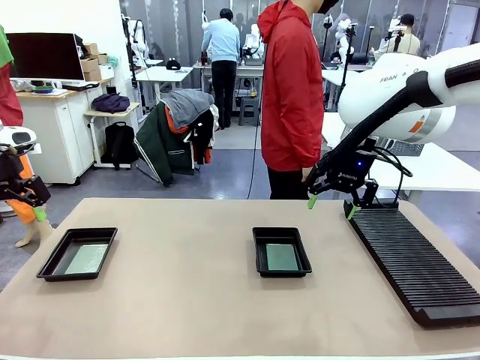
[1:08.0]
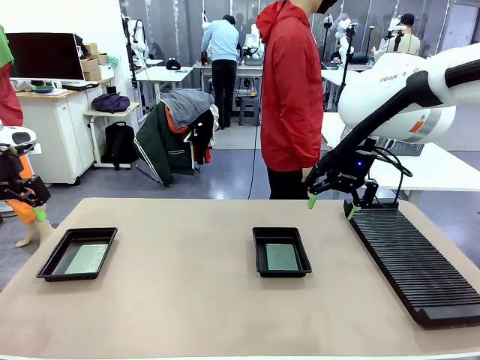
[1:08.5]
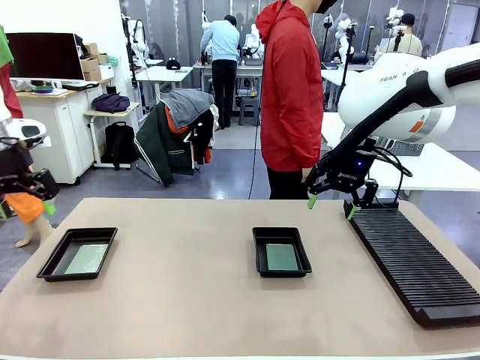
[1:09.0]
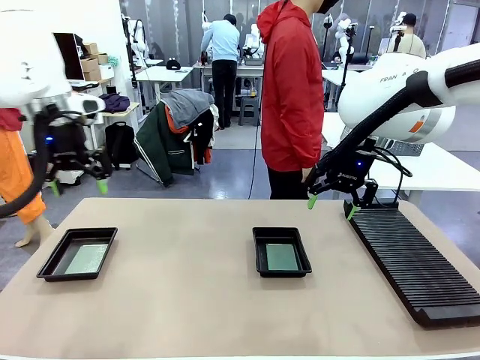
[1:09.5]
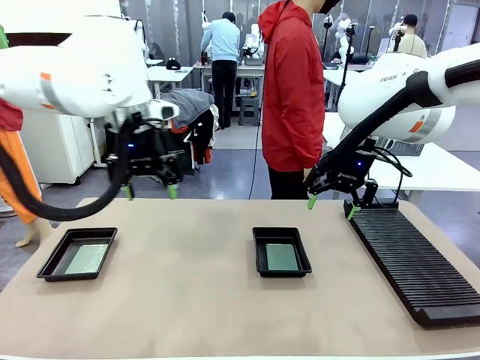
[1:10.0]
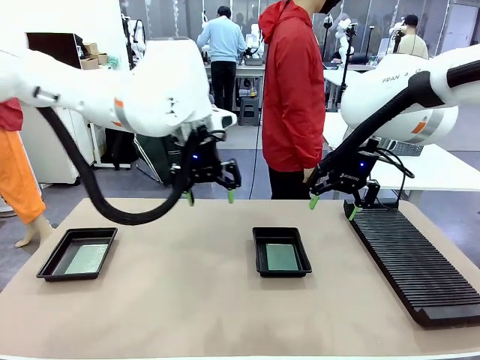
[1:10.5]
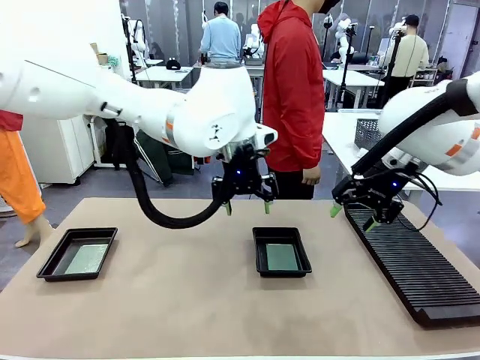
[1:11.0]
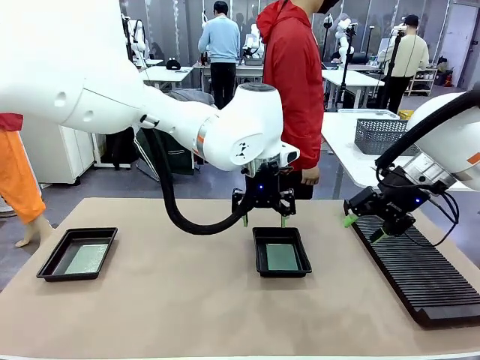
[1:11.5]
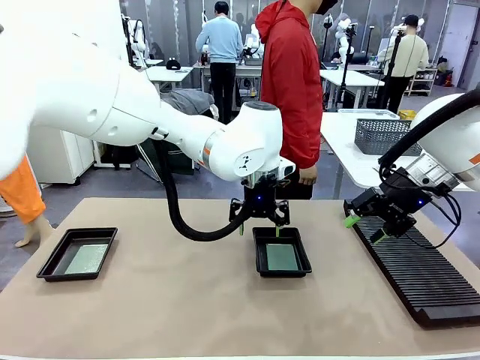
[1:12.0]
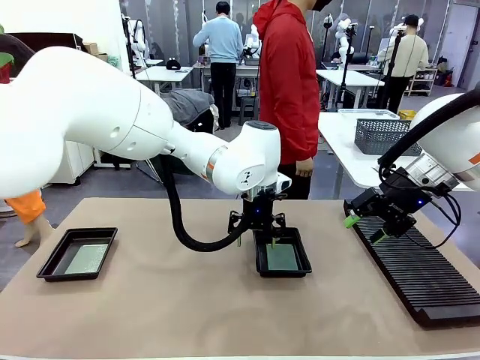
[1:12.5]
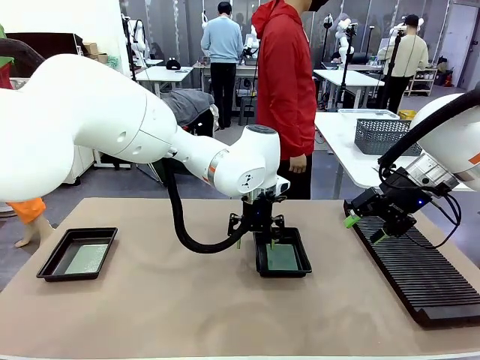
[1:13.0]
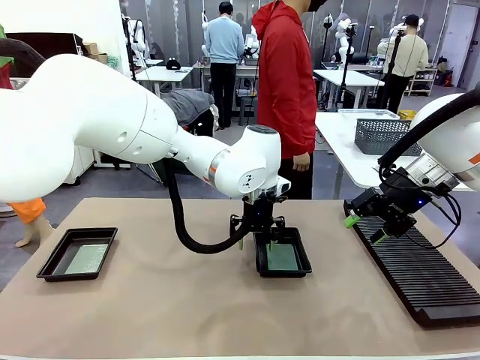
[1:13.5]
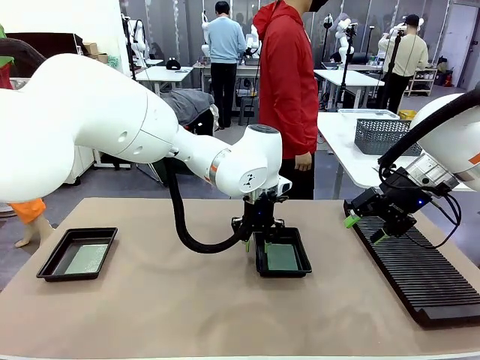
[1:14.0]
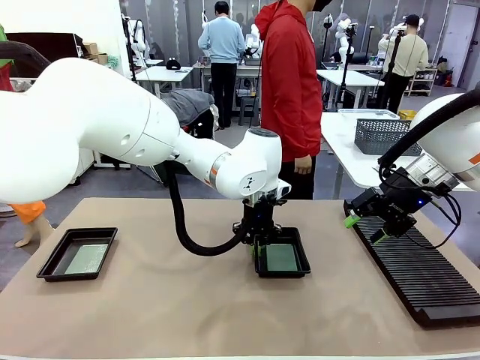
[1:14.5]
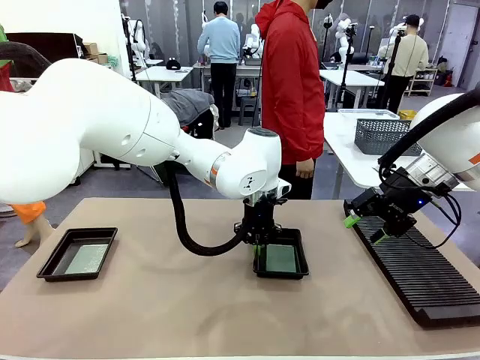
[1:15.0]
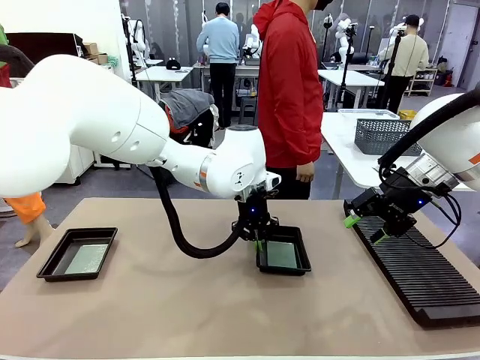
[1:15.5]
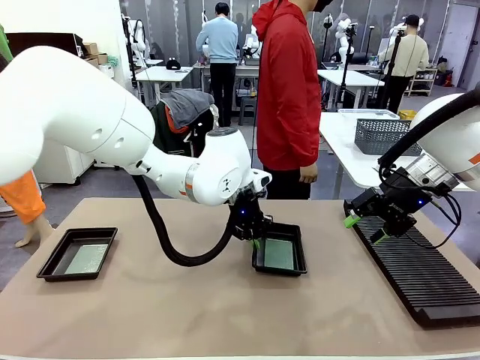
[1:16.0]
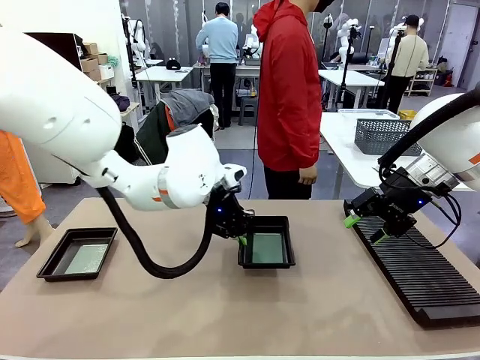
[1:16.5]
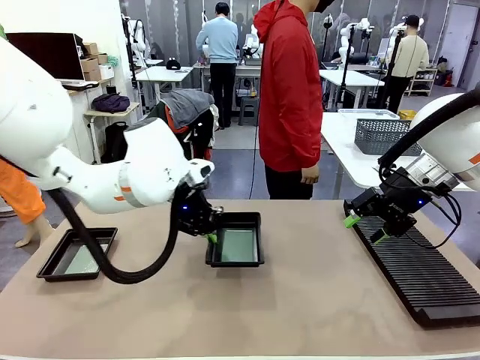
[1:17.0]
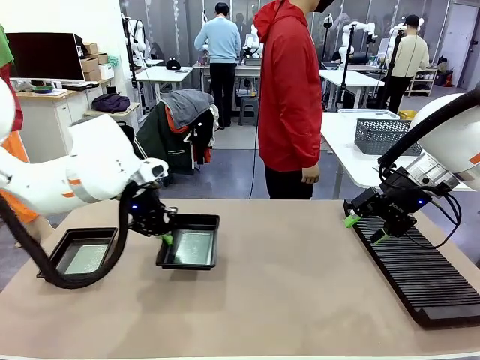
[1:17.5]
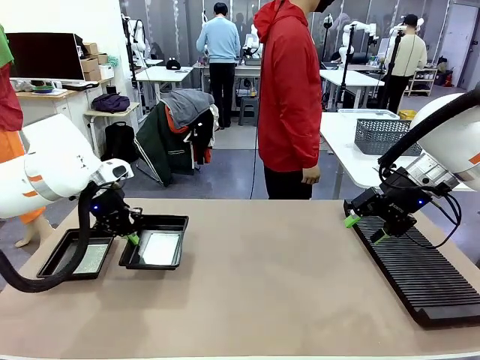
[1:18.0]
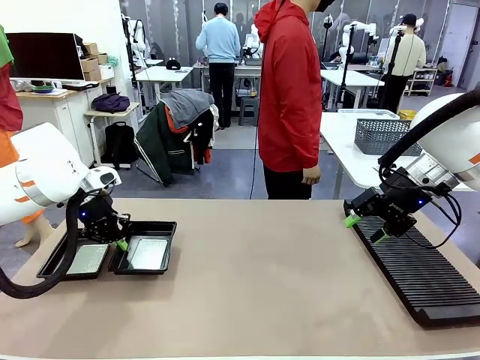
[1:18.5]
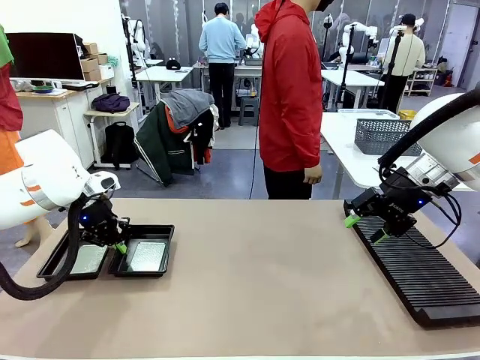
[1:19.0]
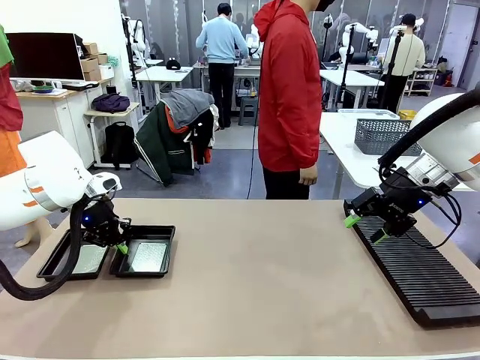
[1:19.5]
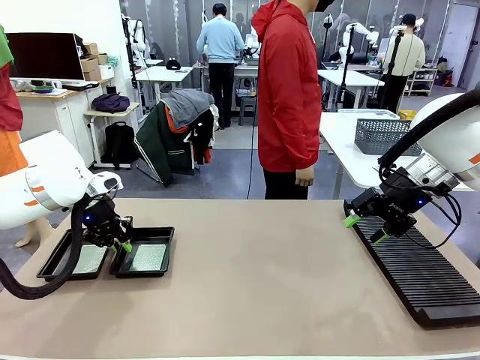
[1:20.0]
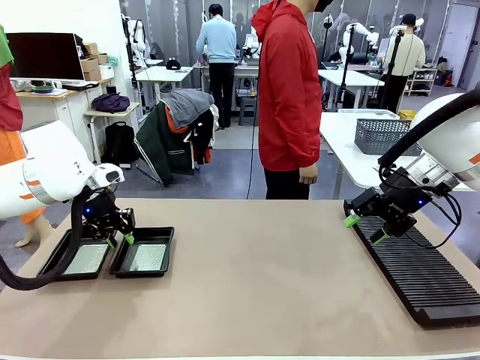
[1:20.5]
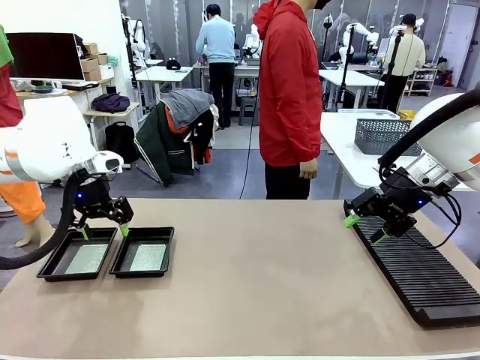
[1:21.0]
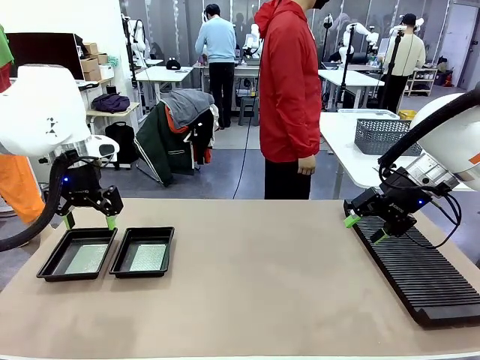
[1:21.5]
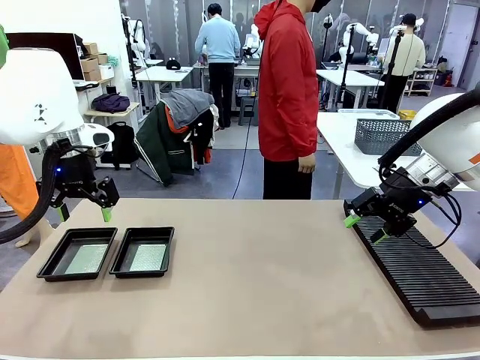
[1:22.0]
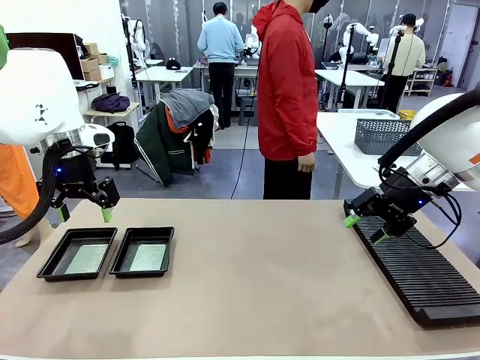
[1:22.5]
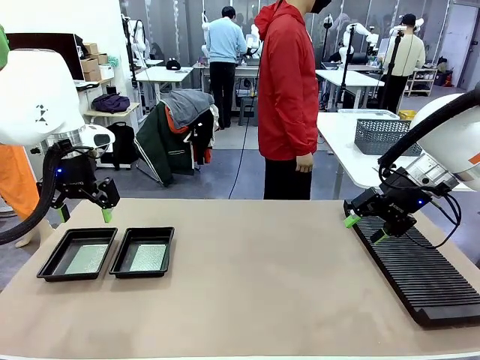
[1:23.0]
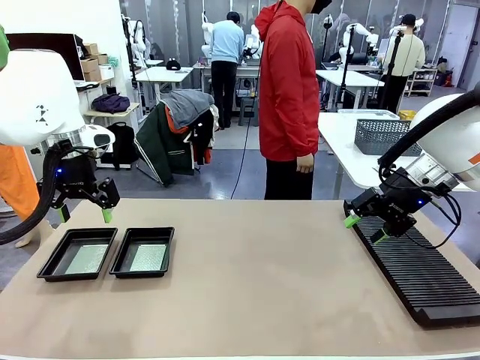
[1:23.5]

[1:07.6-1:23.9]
Task: Inspect and transfer BCBs to ESD trays.
Robot: Pick up the ESD tray and place it on the left side of the table.
